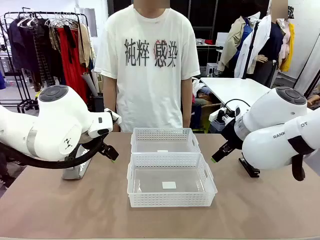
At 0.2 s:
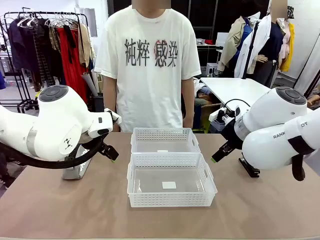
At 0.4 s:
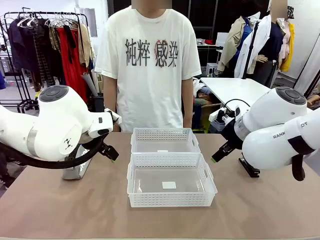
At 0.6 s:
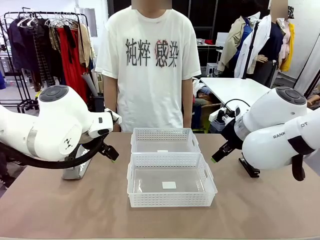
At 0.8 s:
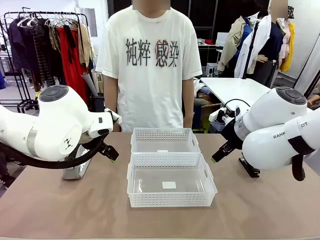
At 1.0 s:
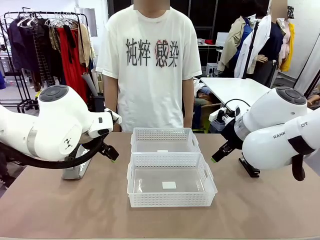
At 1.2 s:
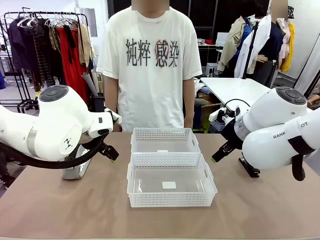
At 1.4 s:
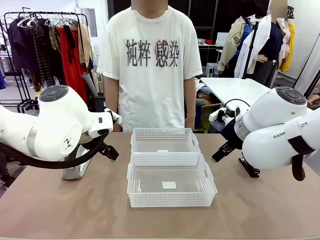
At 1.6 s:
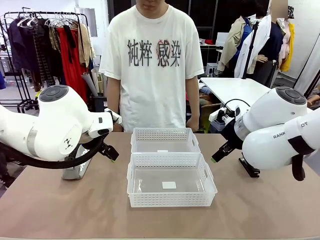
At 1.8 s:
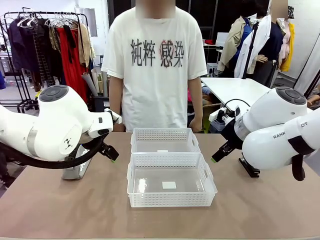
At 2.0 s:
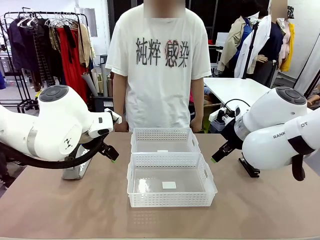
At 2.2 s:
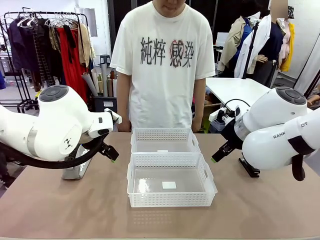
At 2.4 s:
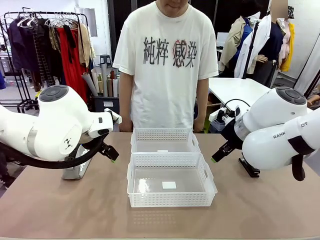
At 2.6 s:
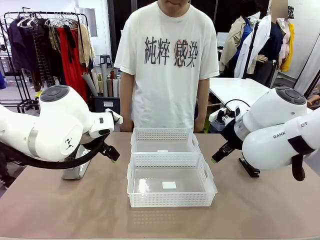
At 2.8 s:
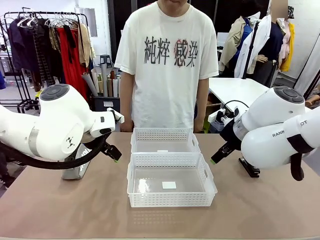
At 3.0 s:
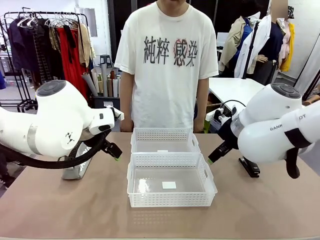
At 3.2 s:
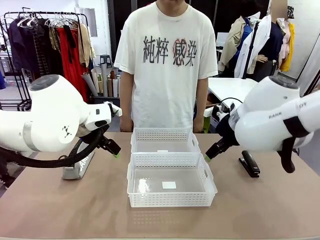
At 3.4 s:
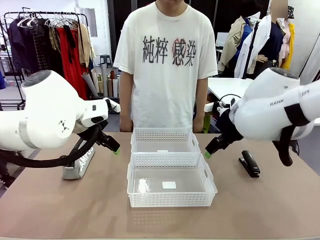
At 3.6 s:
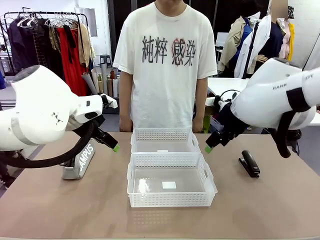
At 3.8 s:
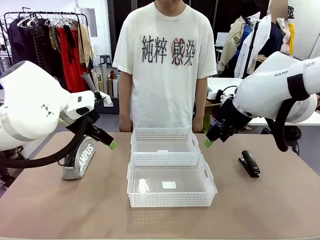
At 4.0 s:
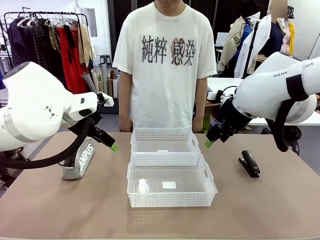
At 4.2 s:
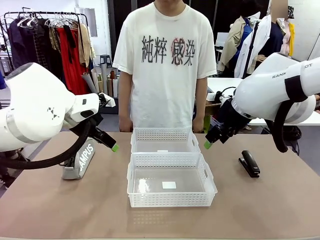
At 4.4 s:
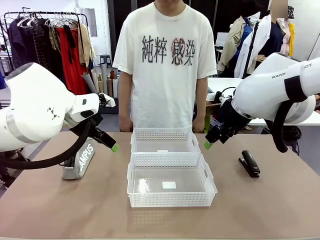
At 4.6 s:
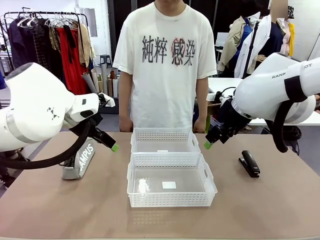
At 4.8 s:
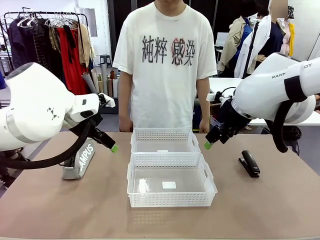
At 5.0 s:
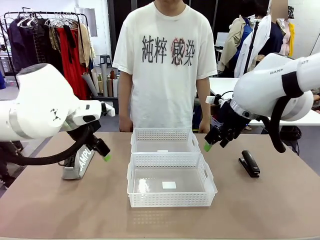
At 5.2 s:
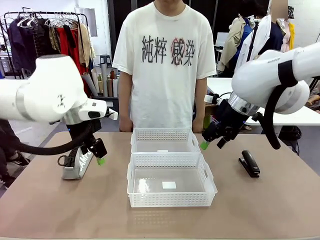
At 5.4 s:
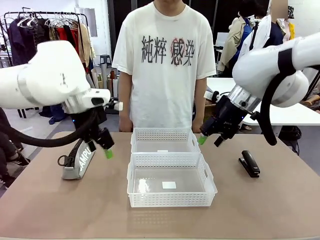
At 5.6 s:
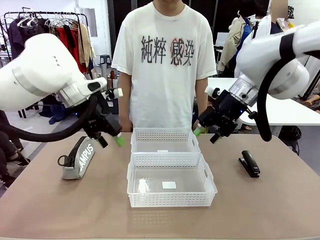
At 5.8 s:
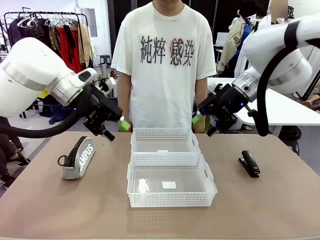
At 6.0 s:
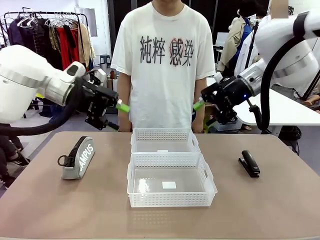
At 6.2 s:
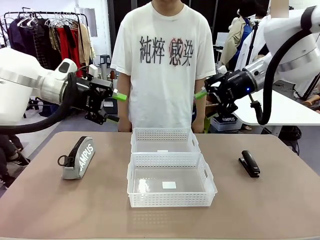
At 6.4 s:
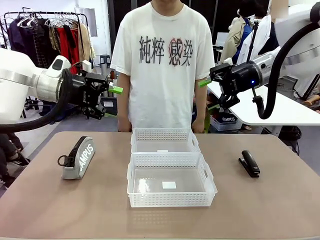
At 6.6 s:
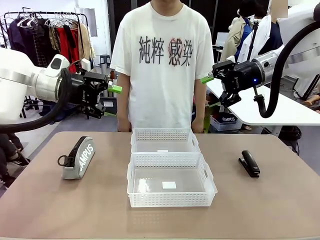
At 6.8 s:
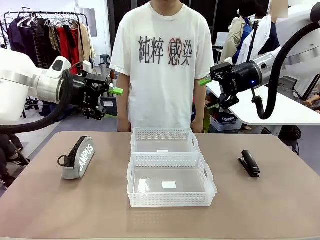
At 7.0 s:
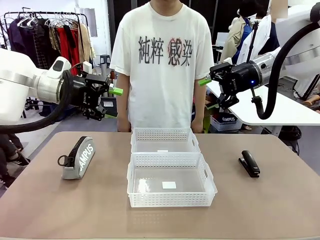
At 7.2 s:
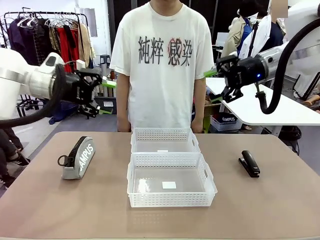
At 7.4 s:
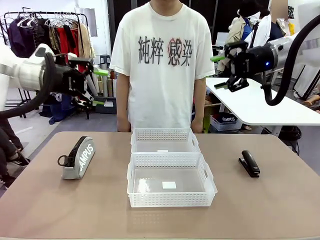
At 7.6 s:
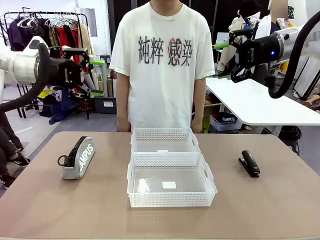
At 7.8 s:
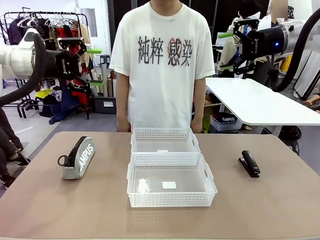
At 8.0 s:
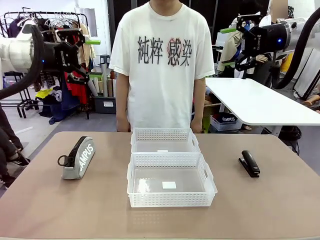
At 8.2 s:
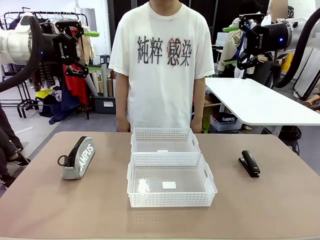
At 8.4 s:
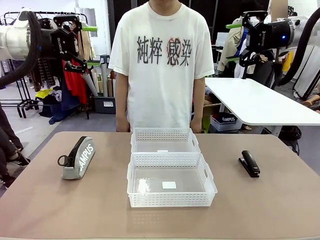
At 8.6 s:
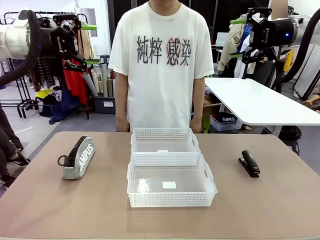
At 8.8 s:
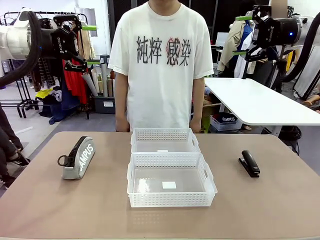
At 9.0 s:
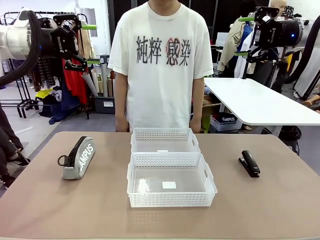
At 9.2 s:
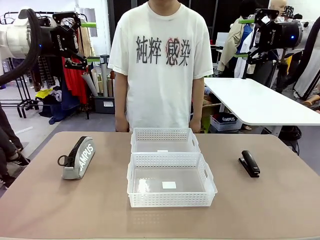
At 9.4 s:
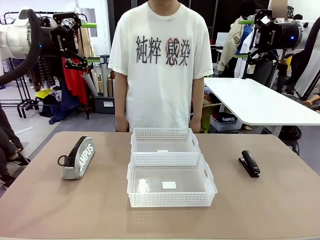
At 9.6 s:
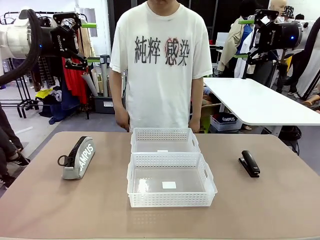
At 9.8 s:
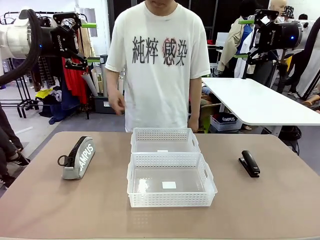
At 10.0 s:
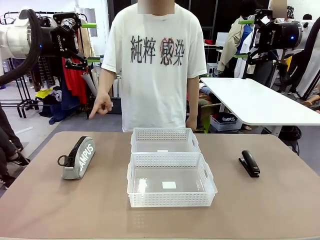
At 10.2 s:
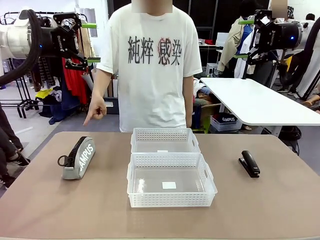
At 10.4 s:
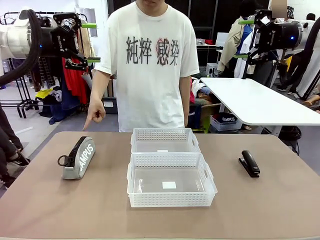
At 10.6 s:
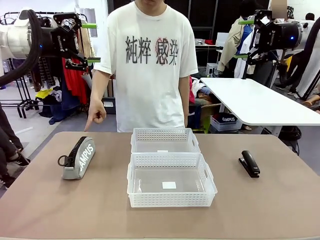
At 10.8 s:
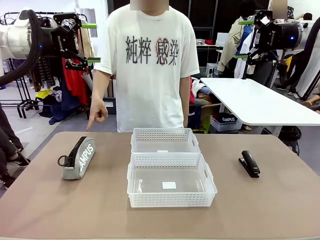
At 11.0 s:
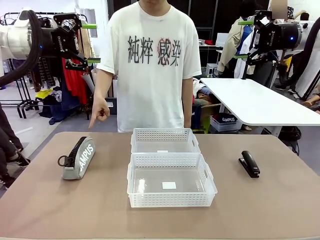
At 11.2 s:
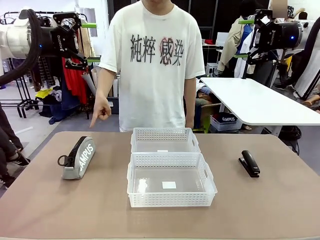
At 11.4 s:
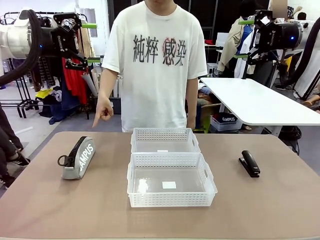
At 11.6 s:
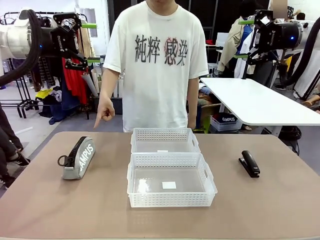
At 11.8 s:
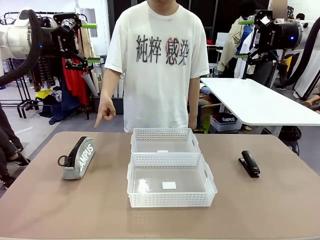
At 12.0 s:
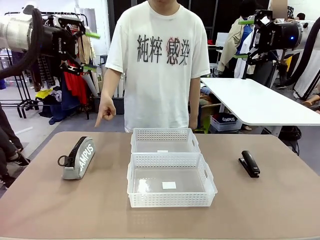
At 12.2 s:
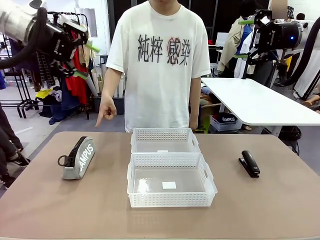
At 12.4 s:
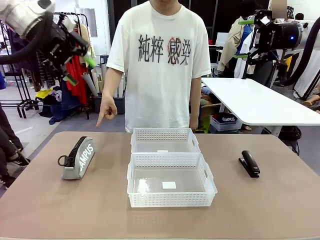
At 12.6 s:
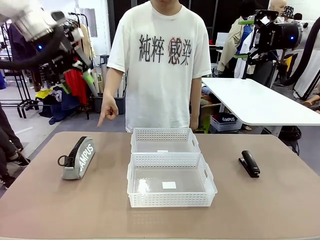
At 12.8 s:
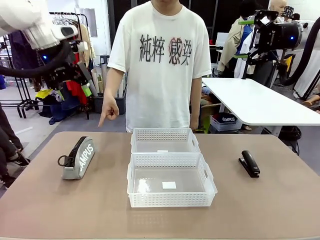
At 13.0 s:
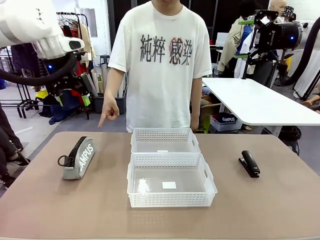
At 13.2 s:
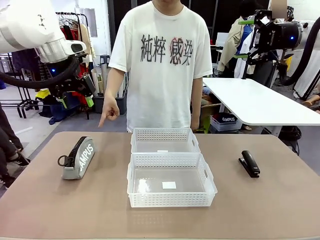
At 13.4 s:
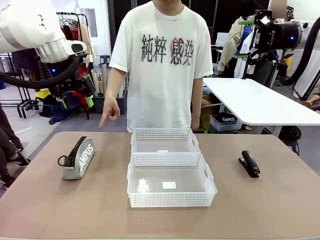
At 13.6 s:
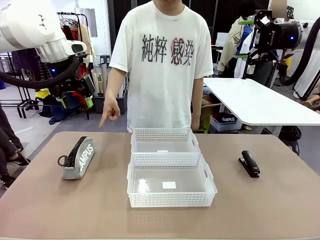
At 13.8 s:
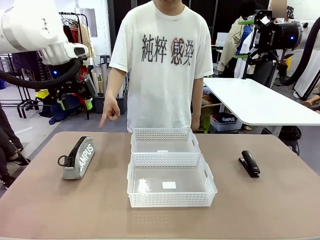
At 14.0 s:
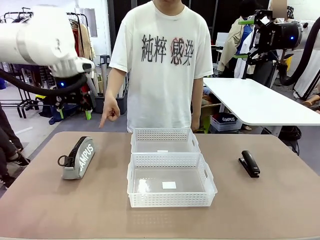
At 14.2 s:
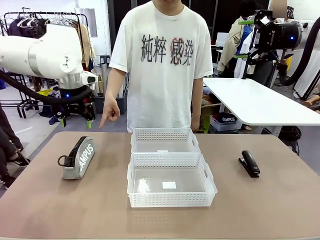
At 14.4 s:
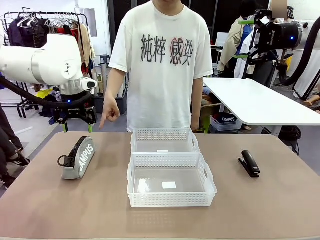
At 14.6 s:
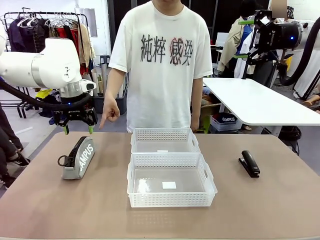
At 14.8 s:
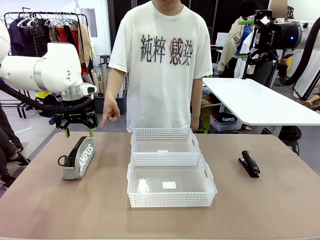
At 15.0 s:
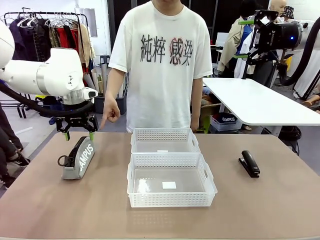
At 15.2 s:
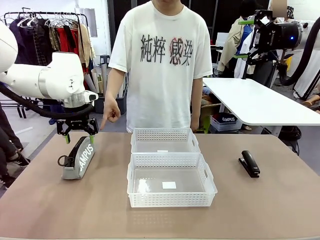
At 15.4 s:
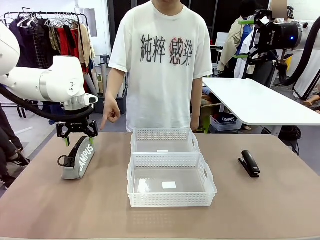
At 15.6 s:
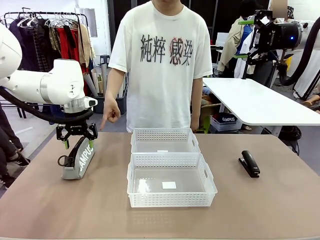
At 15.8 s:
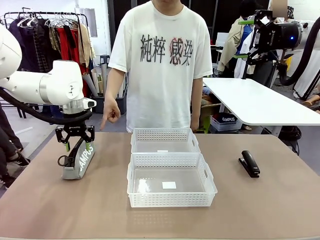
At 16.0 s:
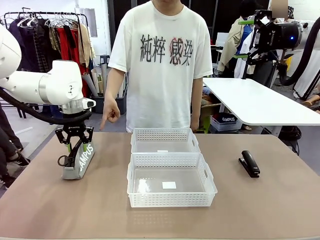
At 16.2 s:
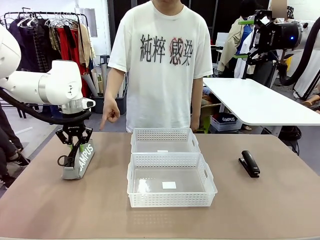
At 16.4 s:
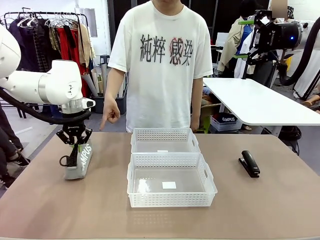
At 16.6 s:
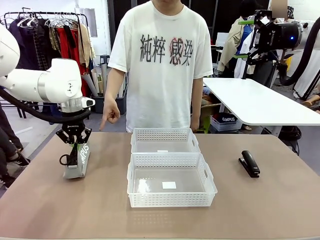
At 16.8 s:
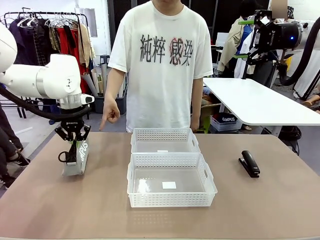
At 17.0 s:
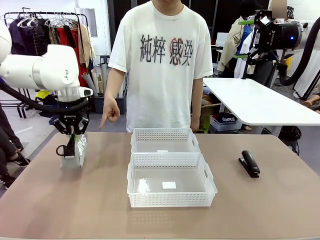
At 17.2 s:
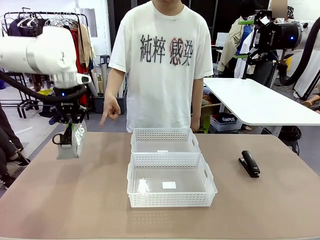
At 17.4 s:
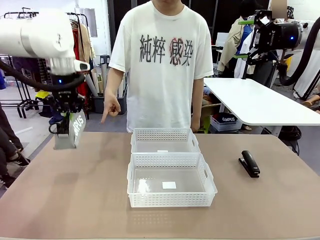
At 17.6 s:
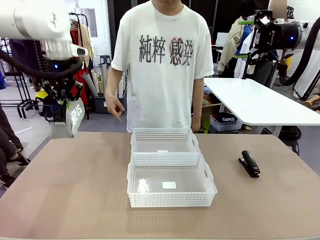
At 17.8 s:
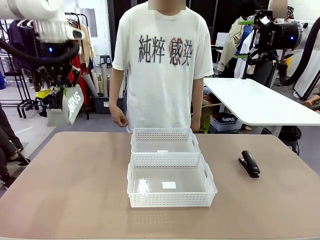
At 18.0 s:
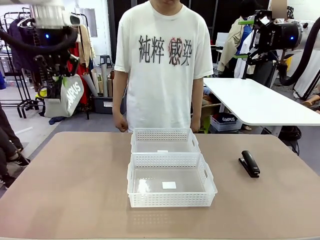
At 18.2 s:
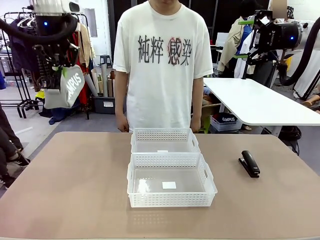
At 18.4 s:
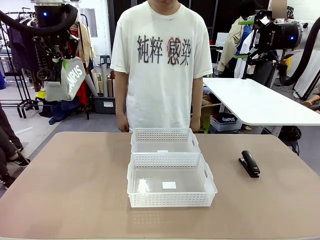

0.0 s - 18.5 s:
Task: Distribute items into two baskets.
Robot: Pick up the Pencil pouch that the person points to.
Person: Points to the pencil case. Points between the two organizing baskets and instructs the robot to move the pencil case.

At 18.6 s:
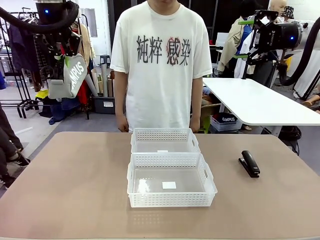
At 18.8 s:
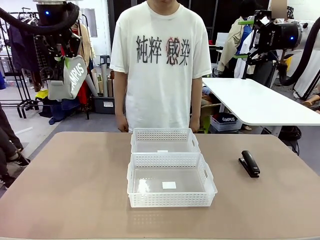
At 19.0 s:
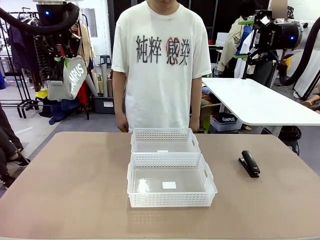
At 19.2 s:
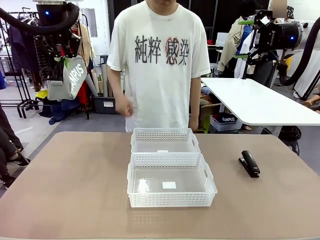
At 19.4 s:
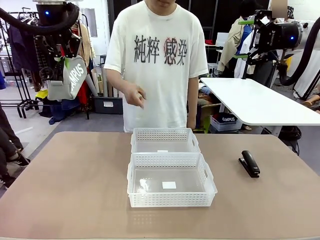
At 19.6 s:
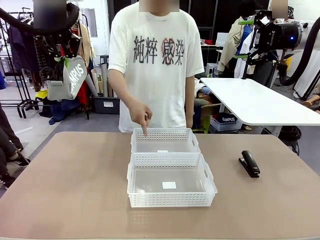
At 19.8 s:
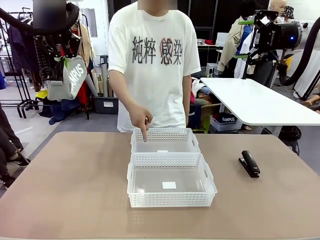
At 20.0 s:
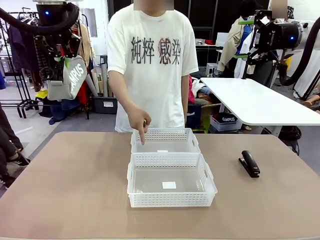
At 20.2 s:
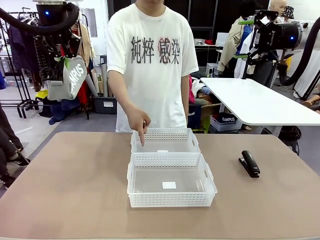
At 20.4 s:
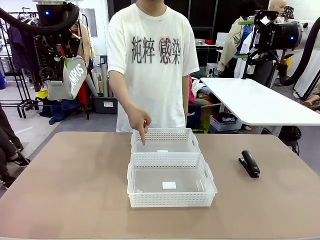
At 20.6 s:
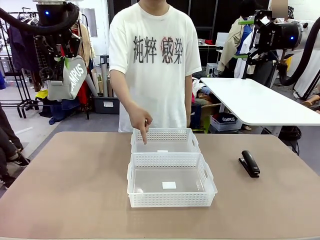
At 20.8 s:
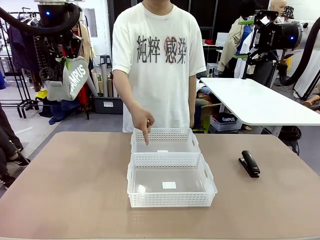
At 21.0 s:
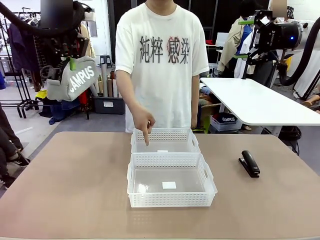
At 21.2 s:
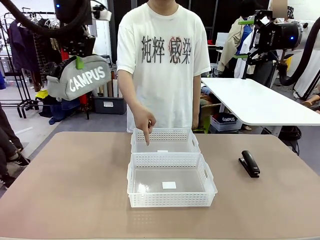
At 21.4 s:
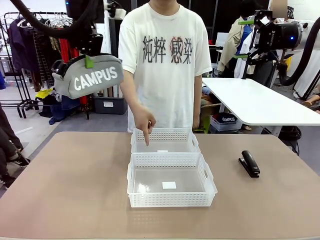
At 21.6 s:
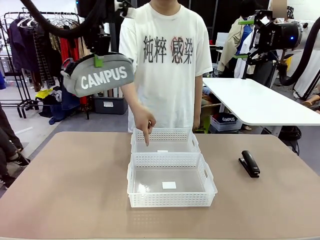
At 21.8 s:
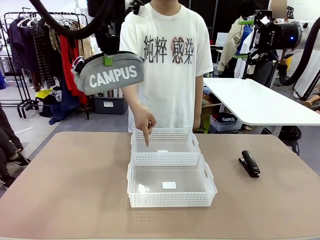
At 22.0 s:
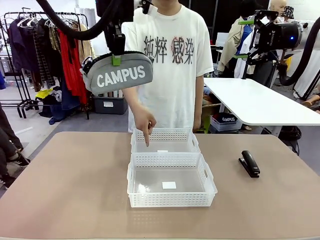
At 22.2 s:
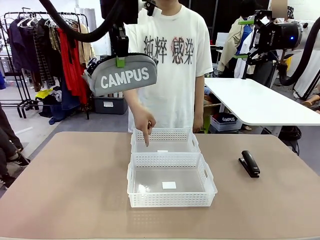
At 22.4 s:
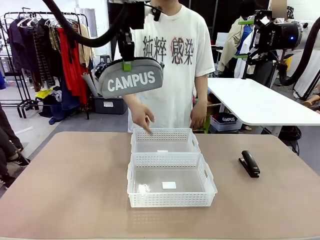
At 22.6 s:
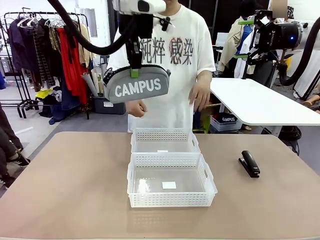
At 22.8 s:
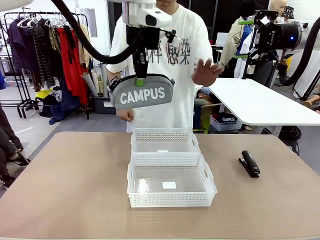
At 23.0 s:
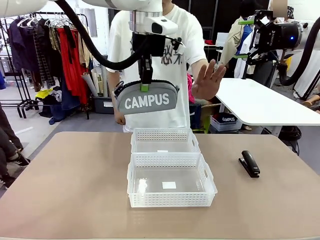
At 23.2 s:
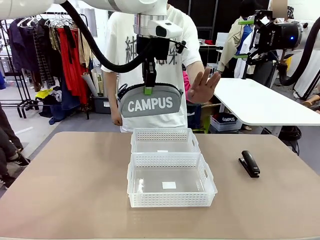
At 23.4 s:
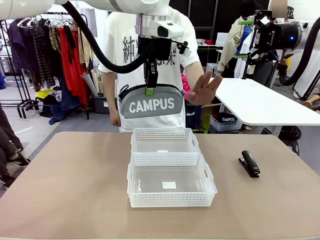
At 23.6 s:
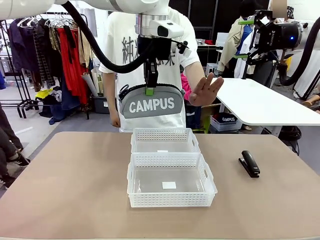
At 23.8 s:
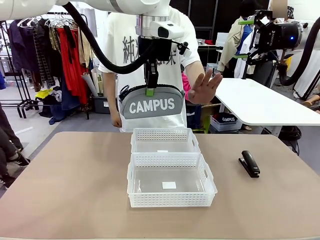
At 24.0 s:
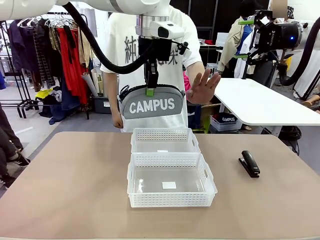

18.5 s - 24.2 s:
Robot: Move the picked Pencil pouch towards the Organizing basket indicated by the person, stopping as directed.
Person: Sends a stop gesture before the robot places the pencil case into the basket.
